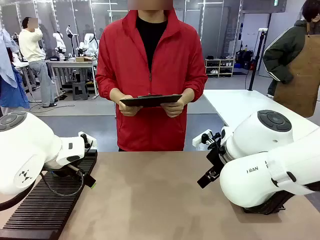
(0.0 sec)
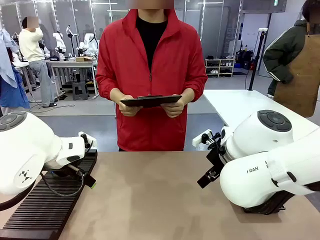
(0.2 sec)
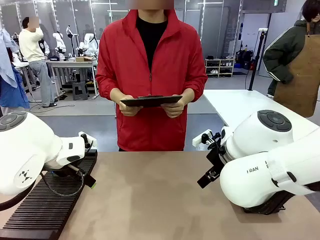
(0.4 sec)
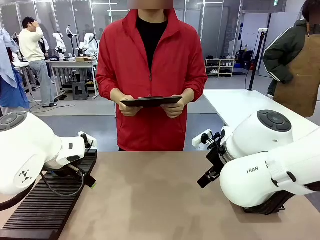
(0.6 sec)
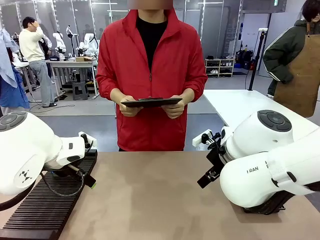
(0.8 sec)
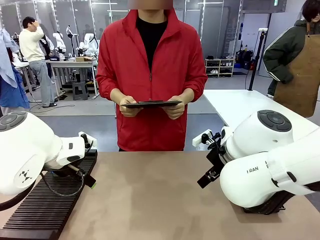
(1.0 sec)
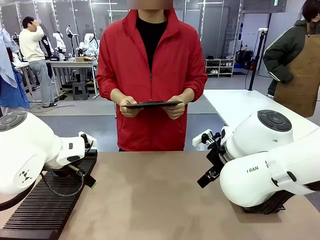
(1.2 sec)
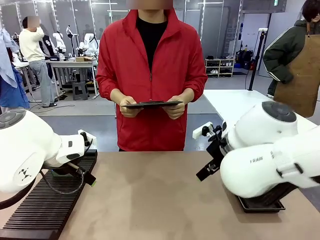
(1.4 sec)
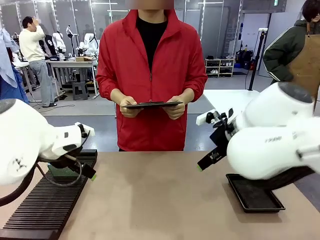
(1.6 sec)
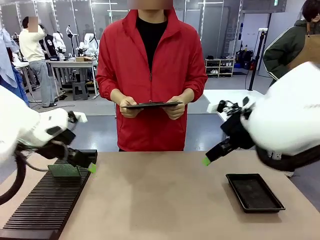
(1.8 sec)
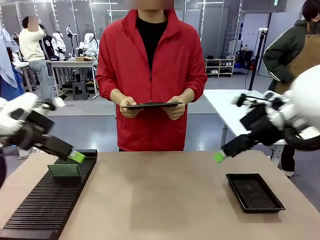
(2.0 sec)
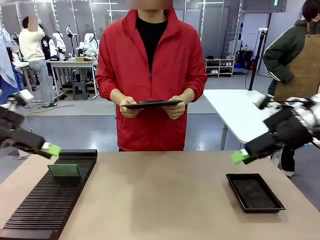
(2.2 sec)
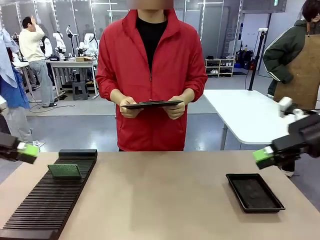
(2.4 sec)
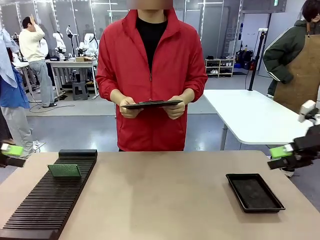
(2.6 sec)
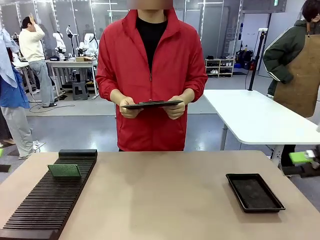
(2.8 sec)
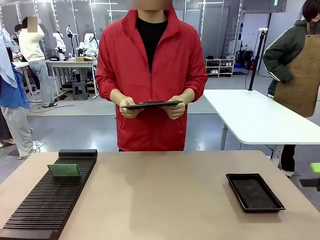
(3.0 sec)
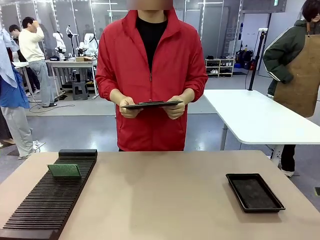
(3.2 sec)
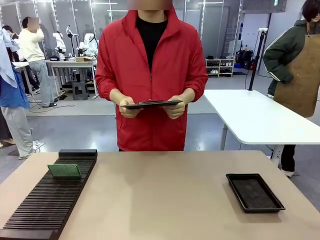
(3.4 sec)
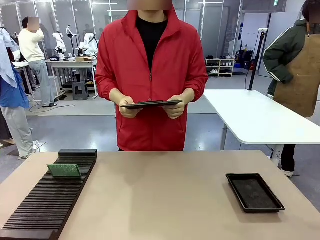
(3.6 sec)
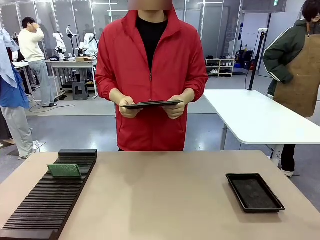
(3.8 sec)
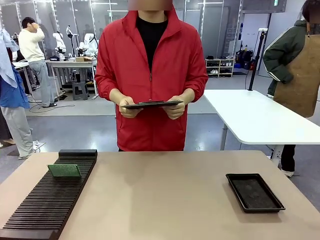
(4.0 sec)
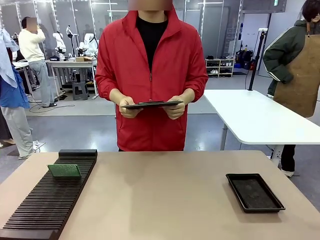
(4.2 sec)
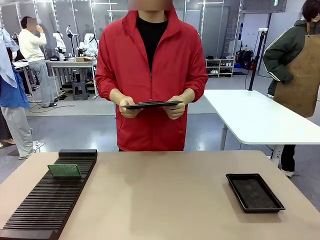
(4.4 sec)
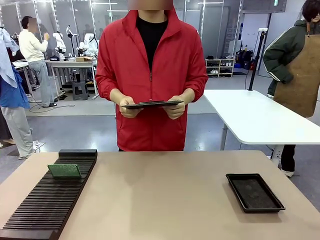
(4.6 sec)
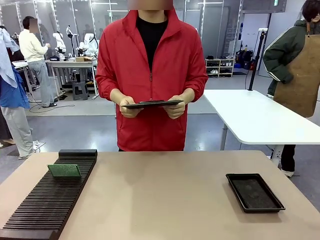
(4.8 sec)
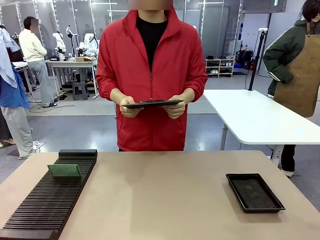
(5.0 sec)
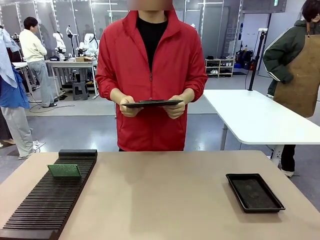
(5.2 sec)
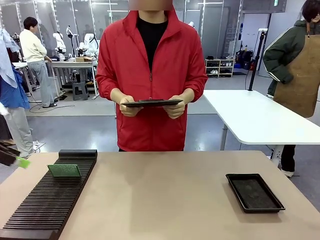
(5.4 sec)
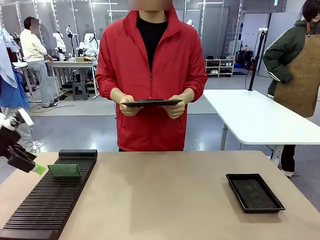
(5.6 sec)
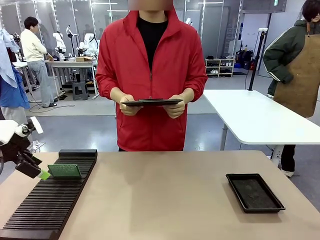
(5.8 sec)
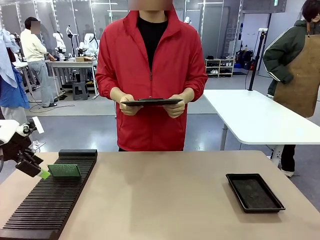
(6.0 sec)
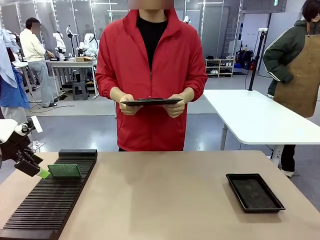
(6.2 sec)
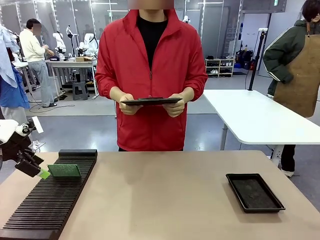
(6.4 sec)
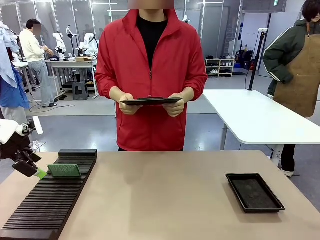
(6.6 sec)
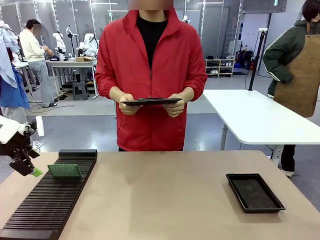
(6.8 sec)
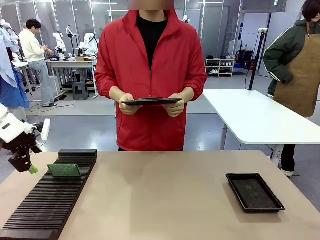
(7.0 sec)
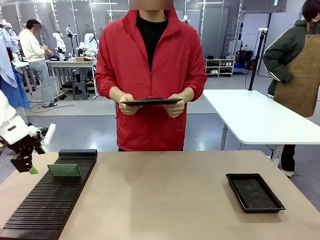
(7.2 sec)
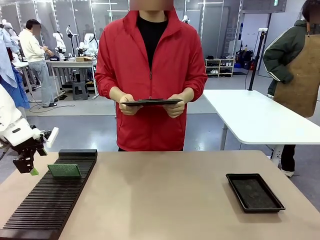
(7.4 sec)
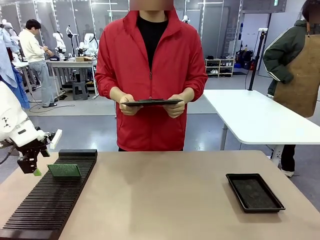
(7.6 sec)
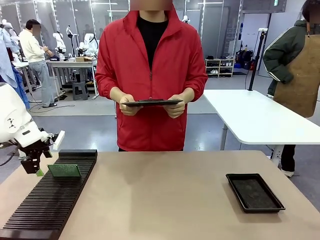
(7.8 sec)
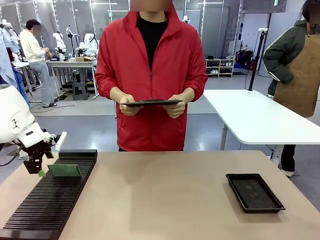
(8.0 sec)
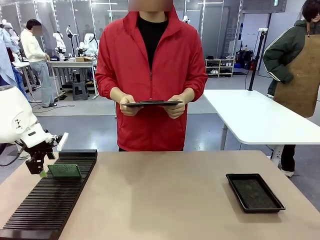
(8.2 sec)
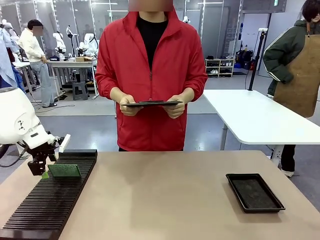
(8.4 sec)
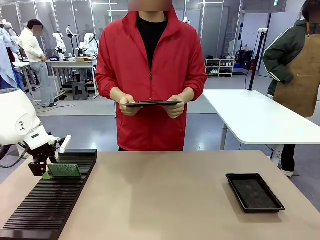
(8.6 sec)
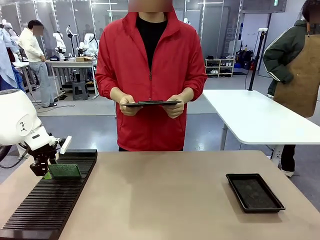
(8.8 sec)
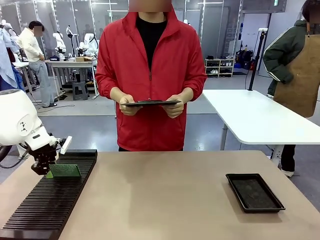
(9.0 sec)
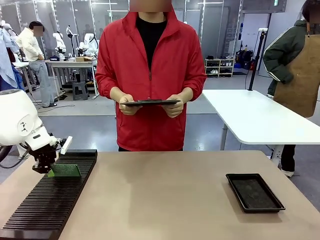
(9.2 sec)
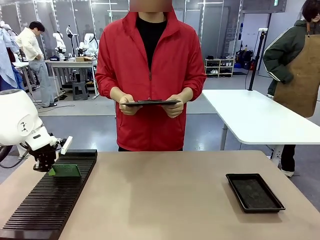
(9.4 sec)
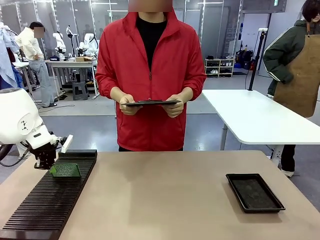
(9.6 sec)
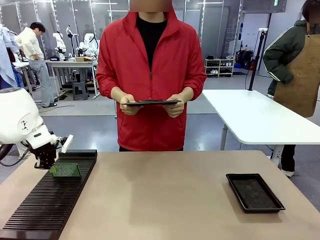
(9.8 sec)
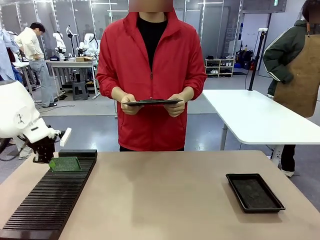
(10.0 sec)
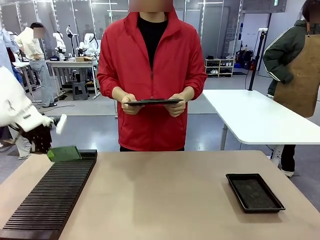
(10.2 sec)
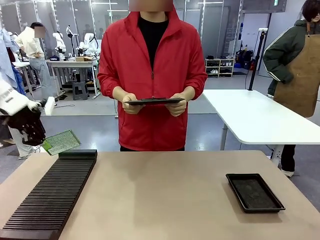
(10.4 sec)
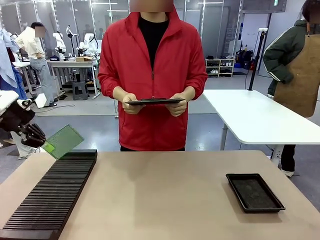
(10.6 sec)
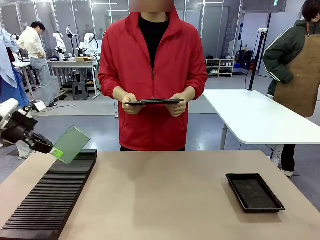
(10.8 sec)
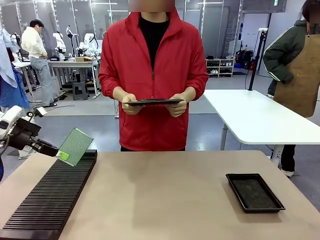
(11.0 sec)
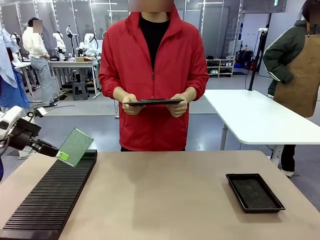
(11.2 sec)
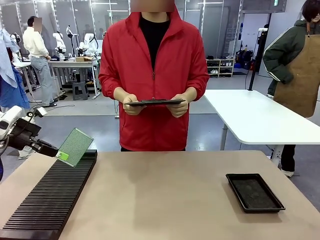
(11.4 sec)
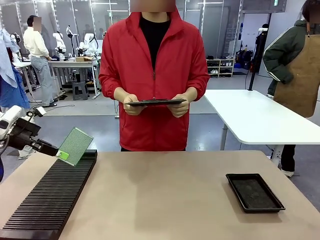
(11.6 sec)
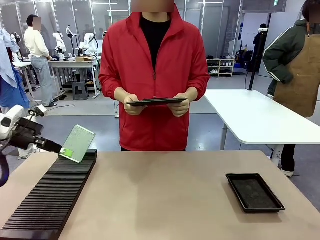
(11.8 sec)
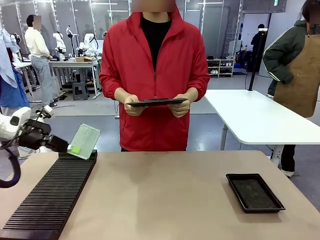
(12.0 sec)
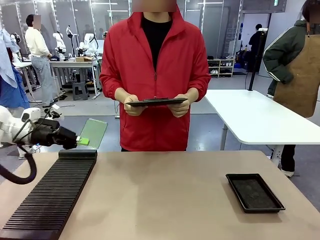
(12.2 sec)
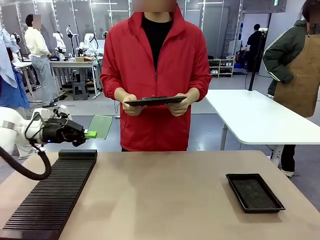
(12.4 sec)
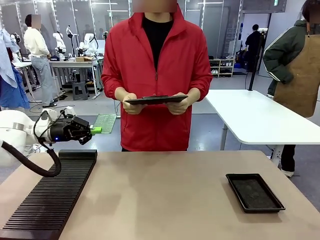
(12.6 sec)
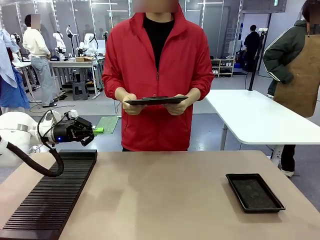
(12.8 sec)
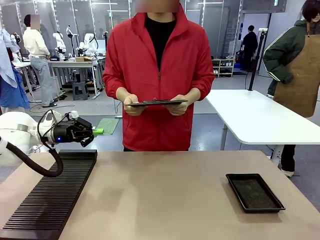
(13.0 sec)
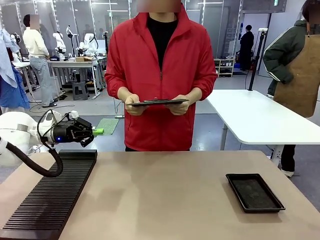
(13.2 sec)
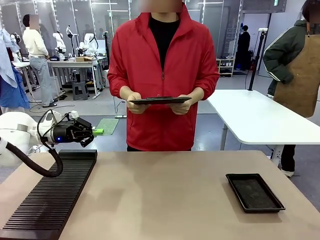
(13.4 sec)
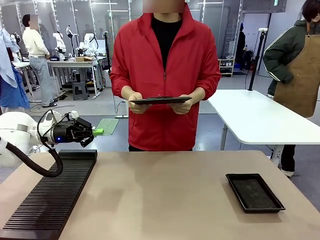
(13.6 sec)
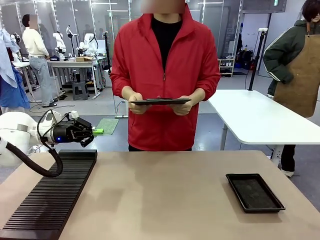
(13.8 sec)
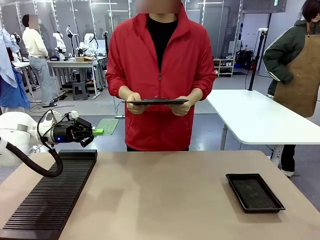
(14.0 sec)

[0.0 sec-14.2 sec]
Task: Inspect the PCB.
Robot: Pick up the Blank PCB and present it to the human.
Person: Pick up the PCB presented by the robot.

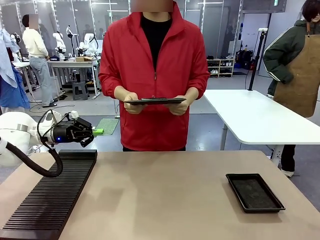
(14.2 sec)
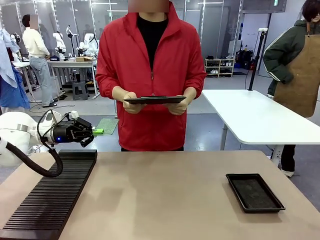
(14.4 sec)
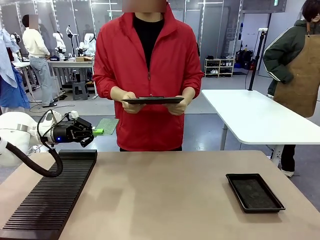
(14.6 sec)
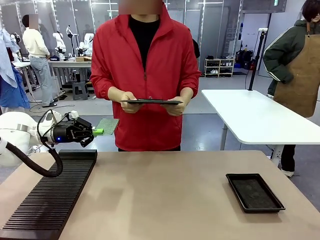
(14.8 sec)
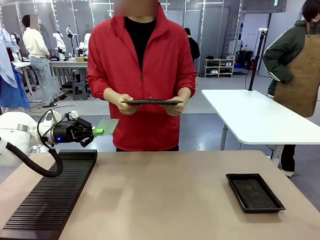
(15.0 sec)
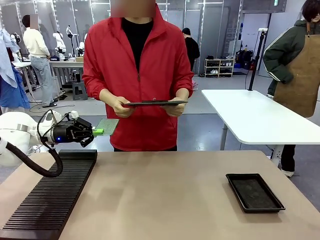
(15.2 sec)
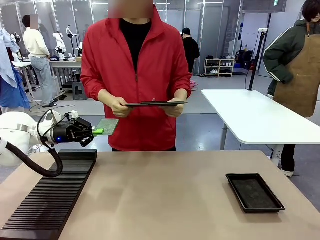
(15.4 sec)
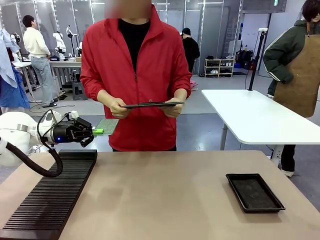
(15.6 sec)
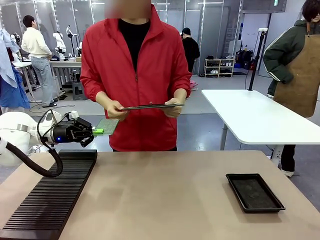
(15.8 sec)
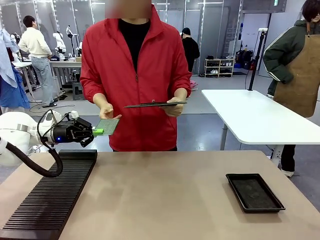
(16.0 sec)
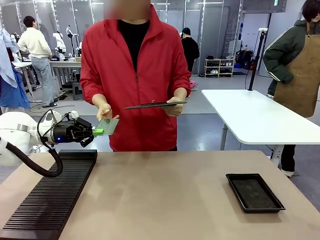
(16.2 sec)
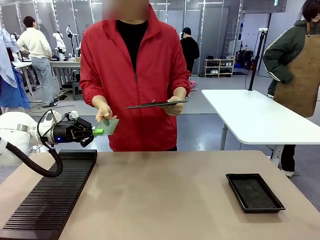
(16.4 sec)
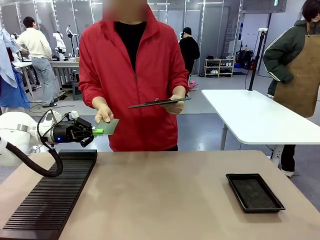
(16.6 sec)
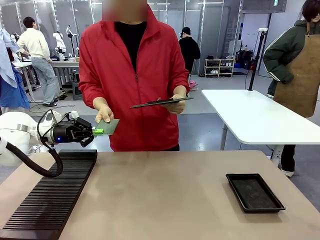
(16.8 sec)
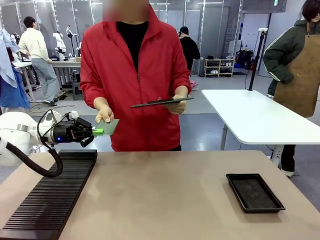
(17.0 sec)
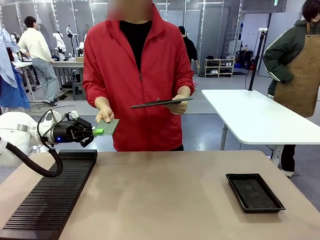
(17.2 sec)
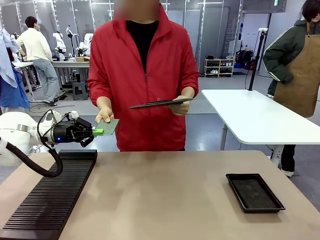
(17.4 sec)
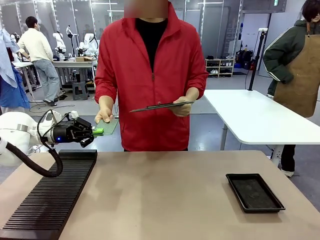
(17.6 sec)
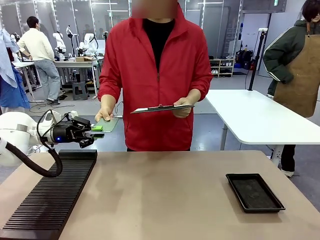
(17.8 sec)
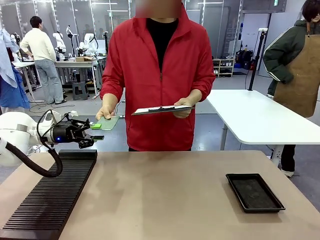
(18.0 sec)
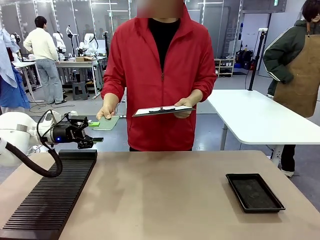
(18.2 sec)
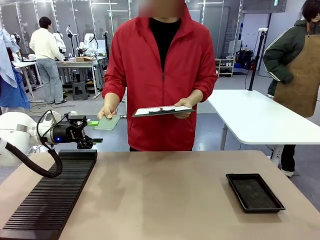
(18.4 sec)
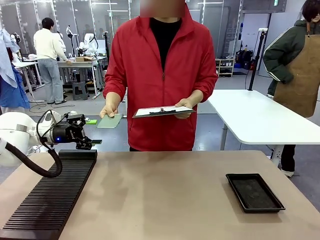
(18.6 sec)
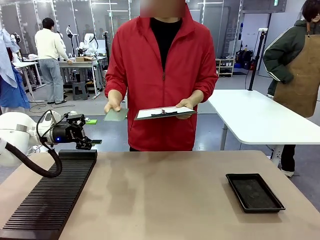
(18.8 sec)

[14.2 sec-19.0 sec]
Robot: Release the Blank PCB you were holding.
